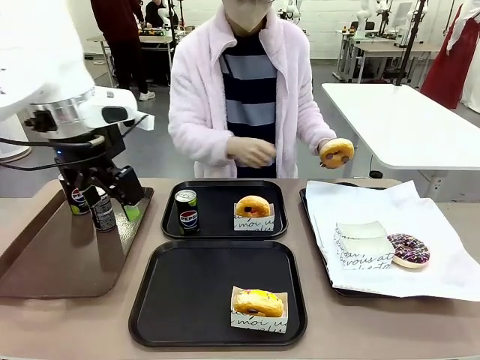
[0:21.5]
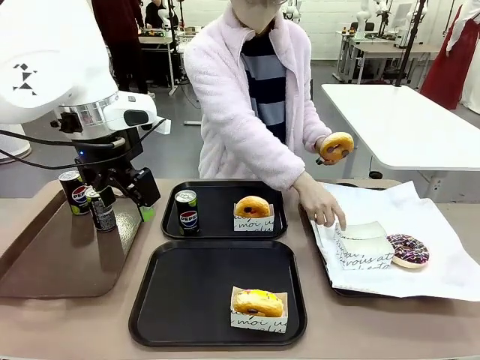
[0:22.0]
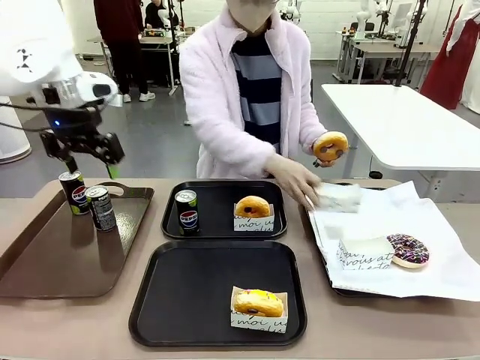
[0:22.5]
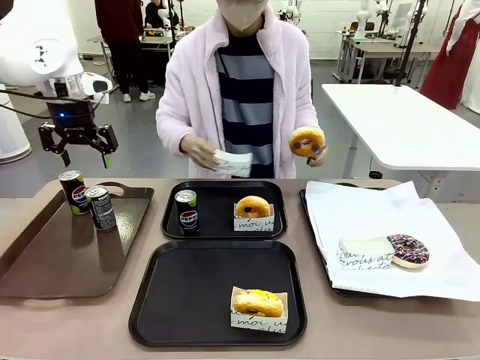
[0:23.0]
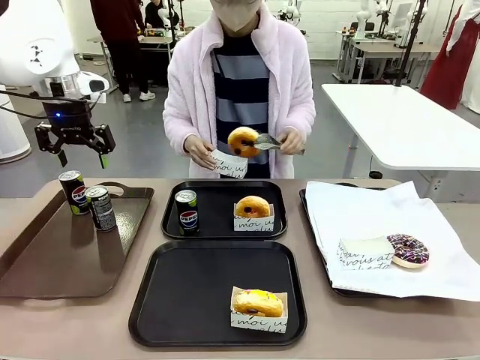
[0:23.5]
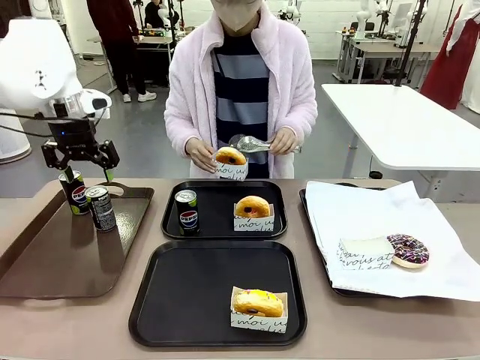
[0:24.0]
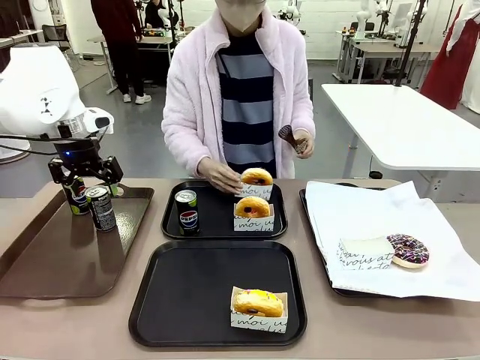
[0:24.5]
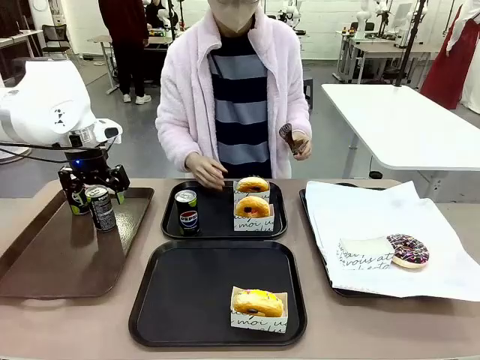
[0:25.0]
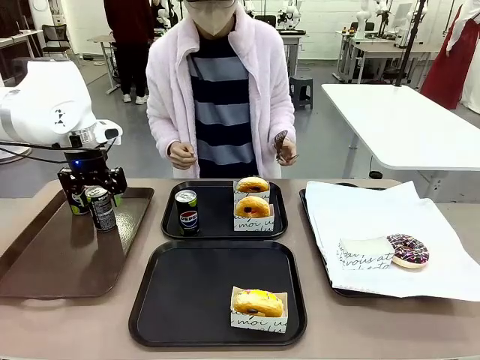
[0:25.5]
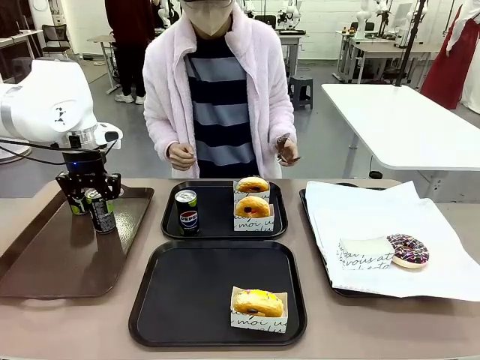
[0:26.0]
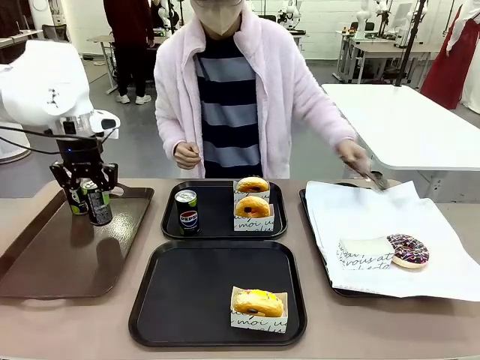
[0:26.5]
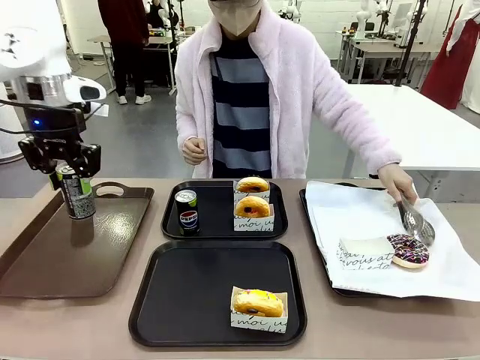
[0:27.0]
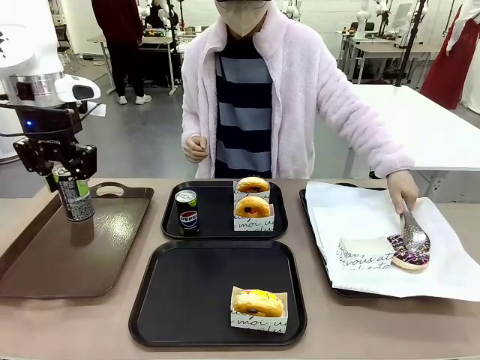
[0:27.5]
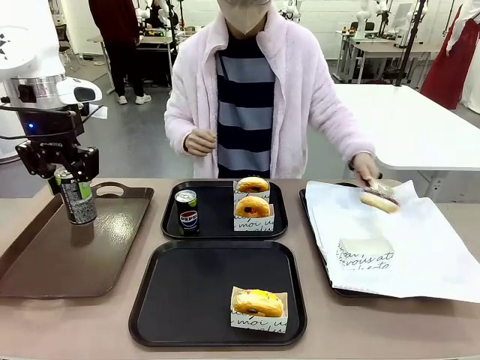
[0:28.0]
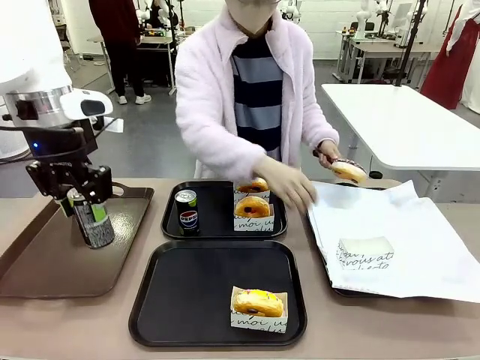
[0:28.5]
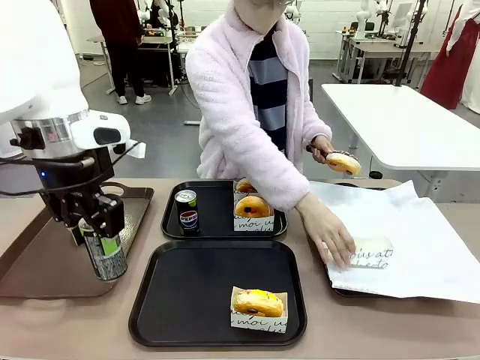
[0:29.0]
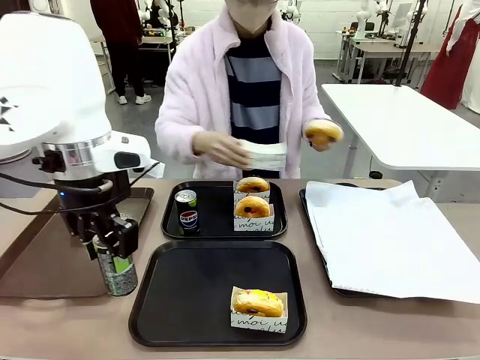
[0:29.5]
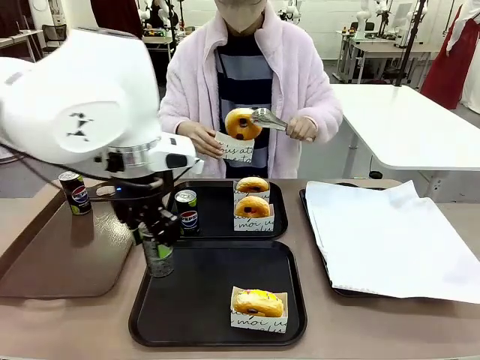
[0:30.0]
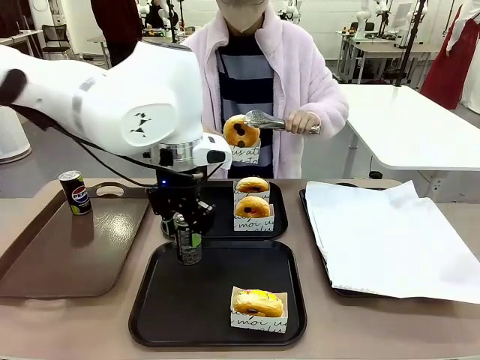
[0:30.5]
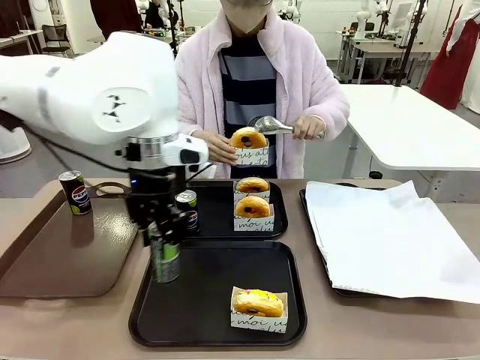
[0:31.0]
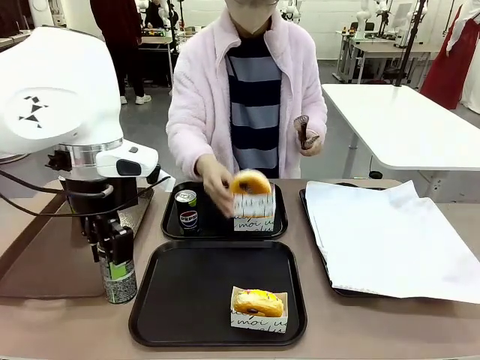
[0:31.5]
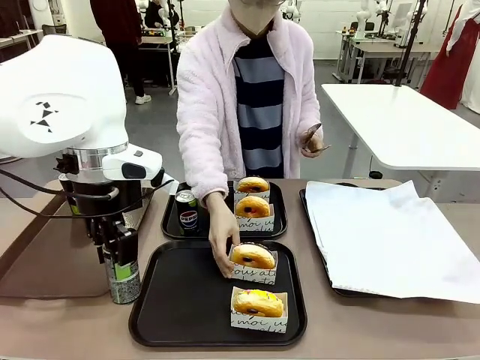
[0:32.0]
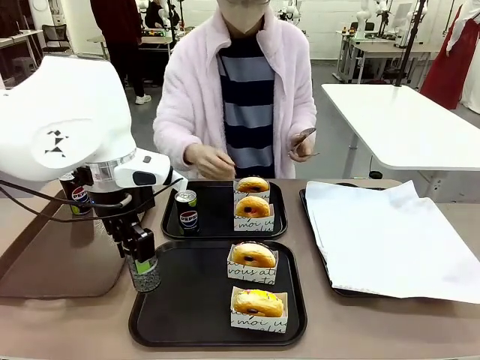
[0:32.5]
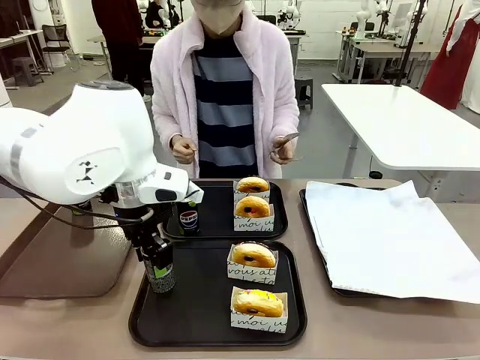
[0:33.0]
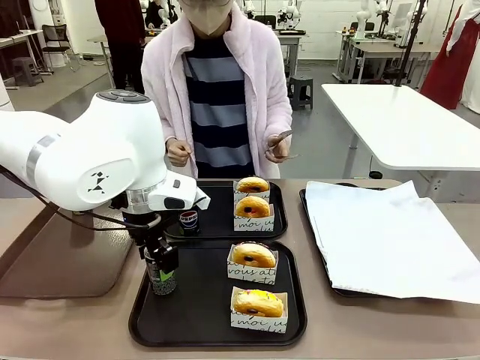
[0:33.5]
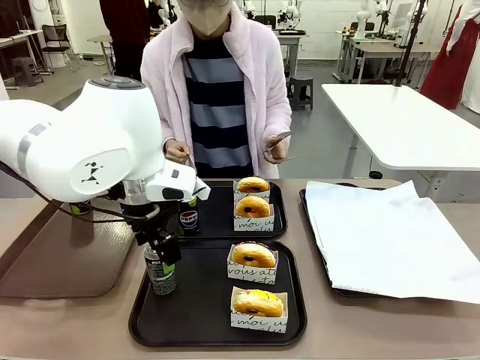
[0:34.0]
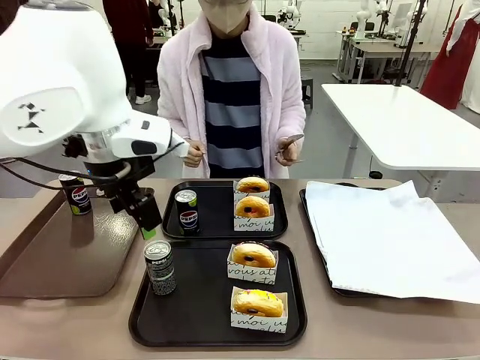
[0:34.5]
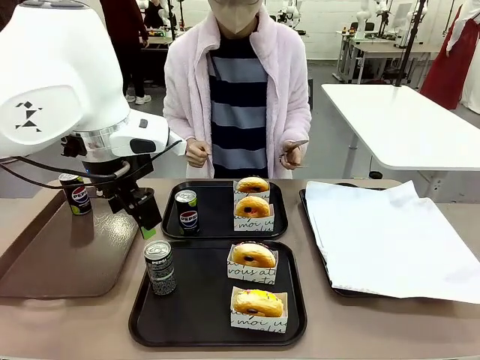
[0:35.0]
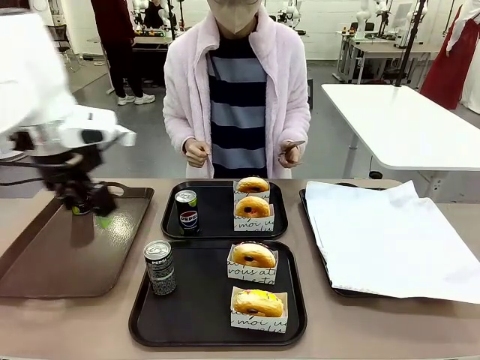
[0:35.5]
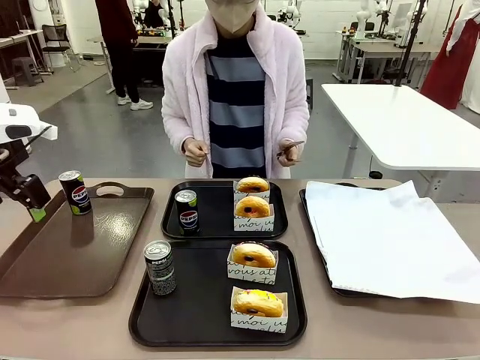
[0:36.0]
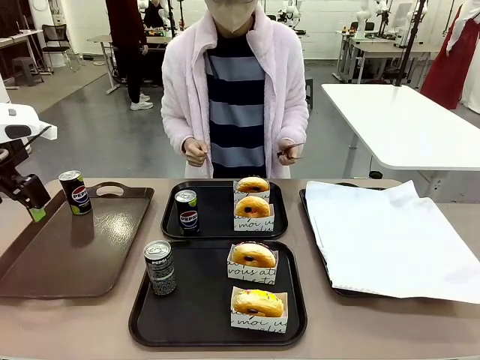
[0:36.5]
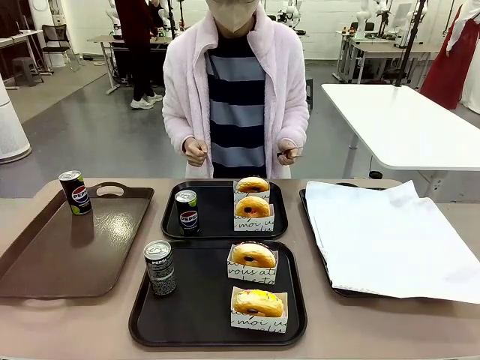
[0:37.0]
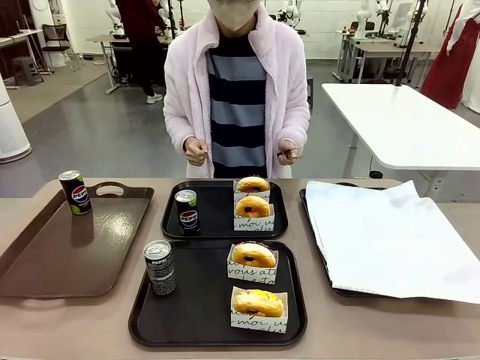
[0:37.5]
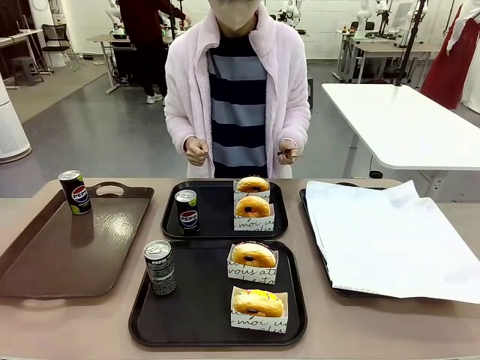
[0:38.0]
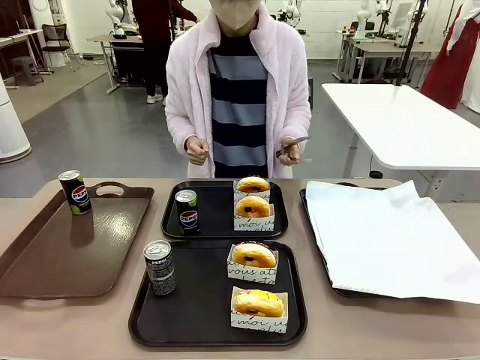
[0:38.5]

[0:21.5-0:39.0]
Task: Set up donuts and drinks on trays.
Robot: Pick up one Pepsi coke from the Handle tray and place it on the Flat Tray without a Pepsi coke.

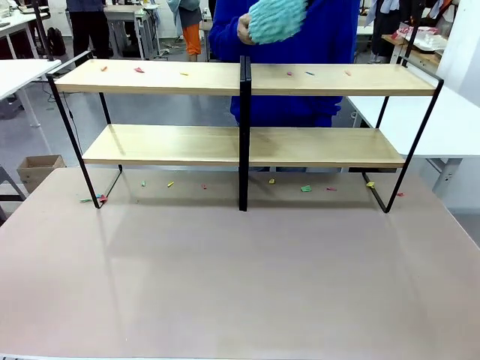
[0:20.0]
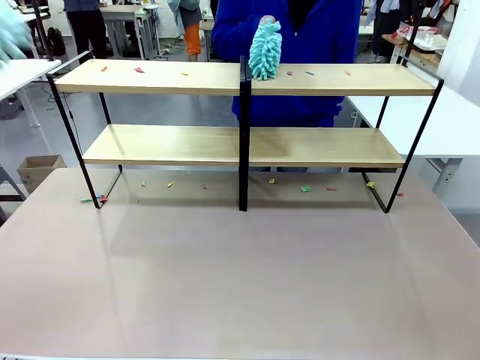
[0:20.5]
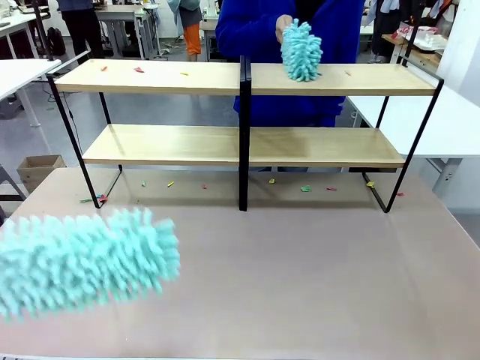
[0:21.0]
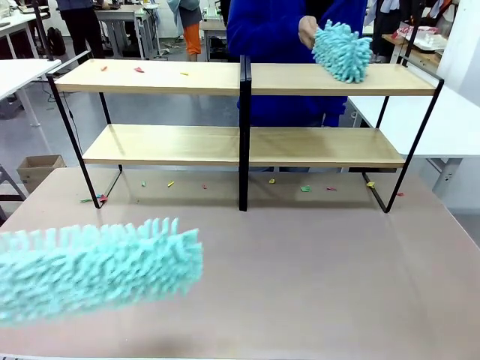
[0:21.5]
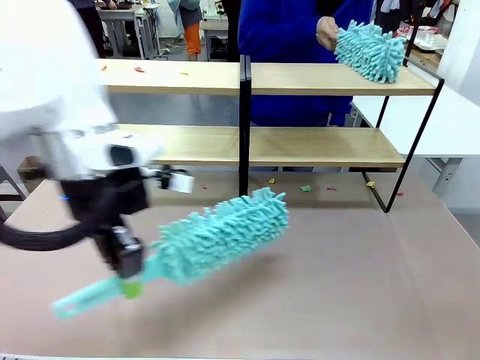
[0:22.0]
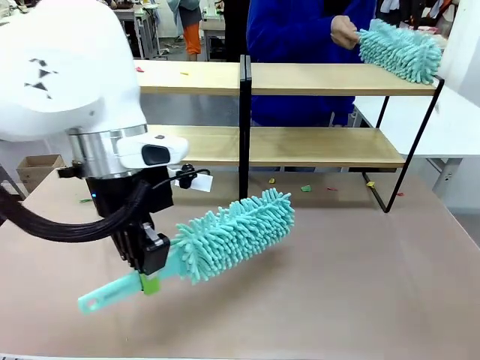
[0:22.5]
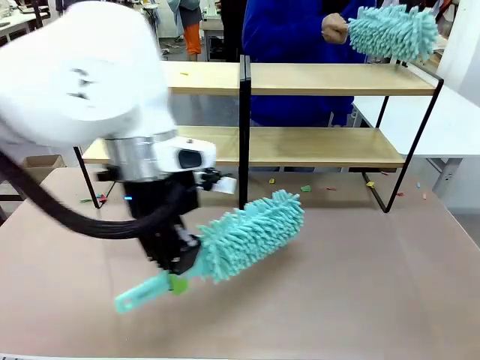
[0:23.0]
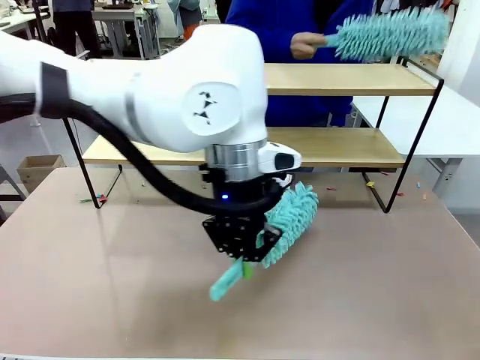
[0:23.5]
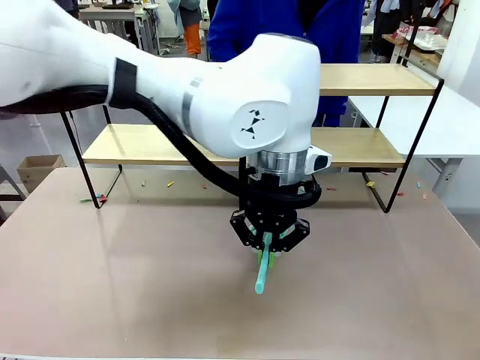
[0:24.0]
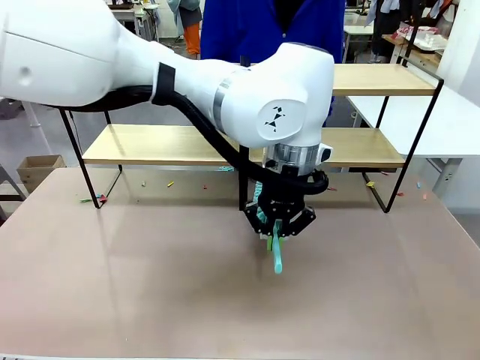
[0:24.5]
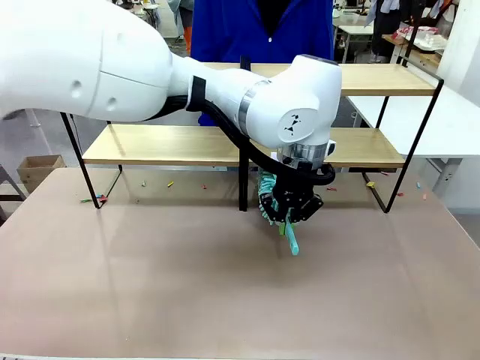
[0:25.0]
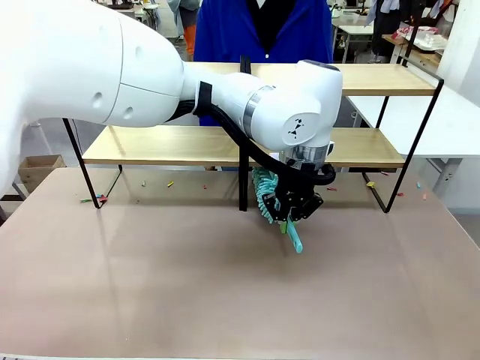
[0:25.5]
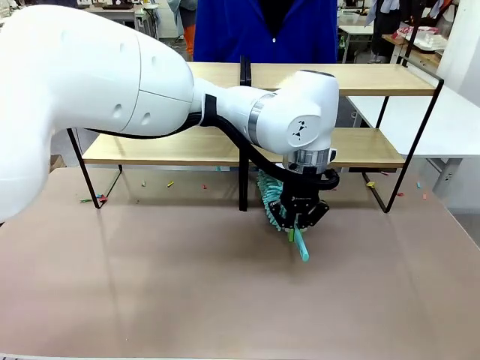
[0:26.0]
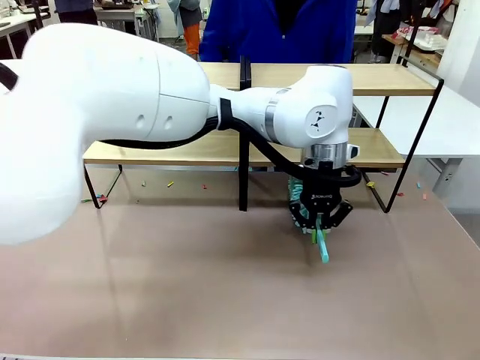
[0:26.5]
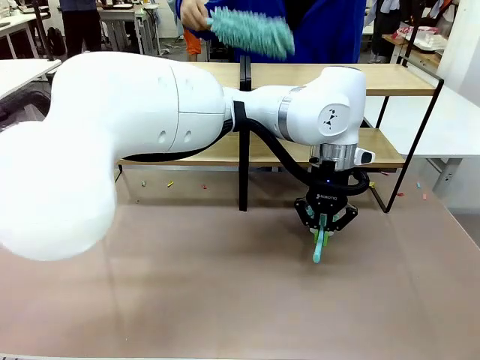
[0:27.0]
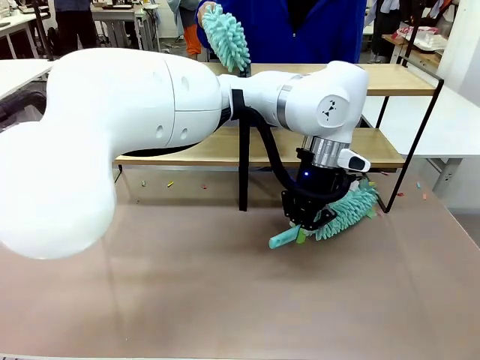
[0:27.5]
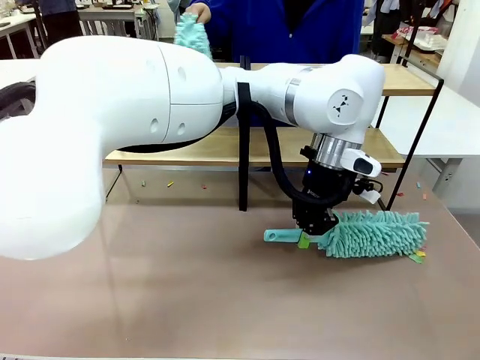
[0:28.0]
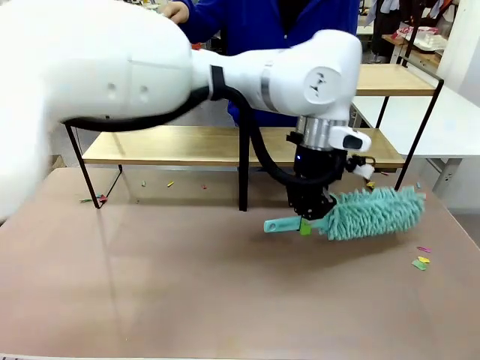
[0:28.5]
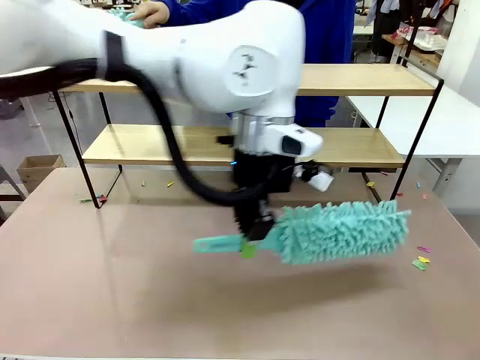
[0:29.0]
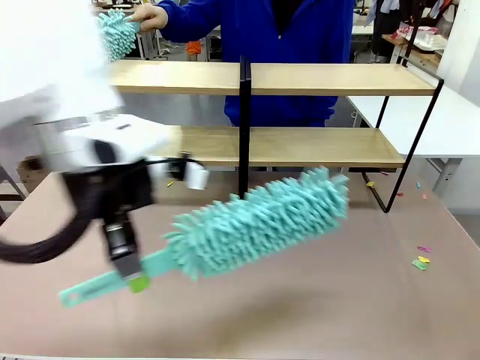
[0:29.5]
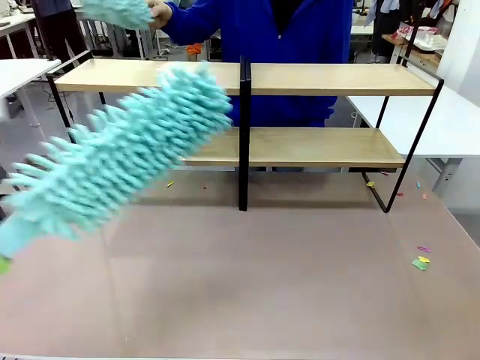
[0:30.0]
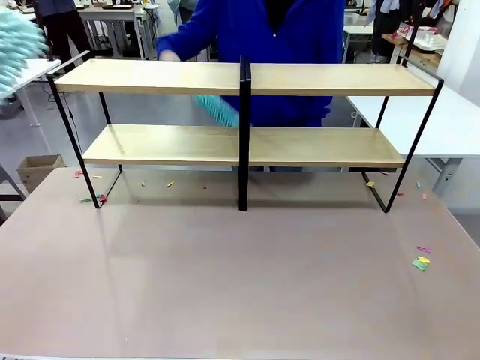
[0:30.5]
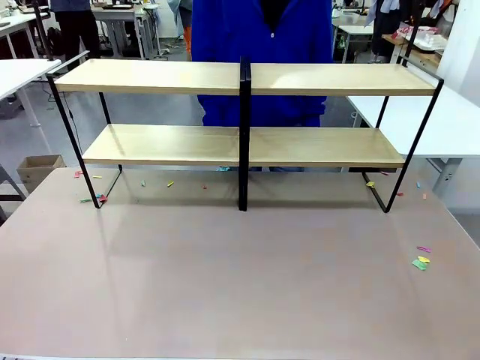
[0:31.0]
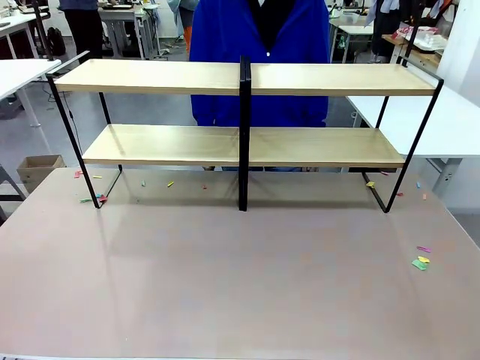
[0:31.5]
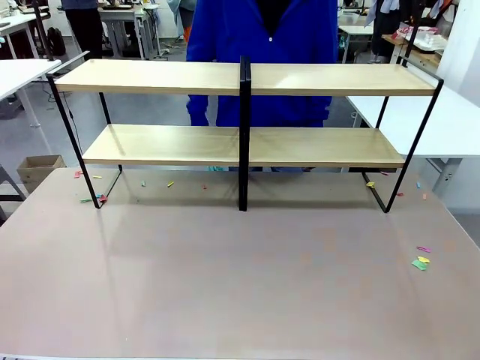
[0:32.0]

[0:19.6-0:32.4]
Task: Clean the shelves.
Robot: Clean another randomly selected level of the Shelf with the Duster.
